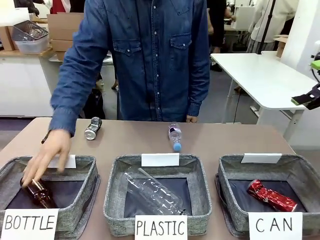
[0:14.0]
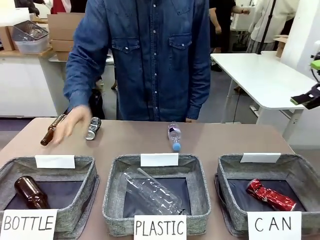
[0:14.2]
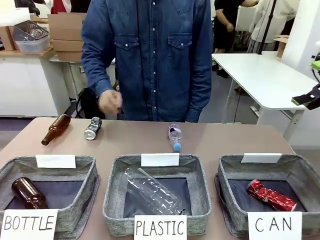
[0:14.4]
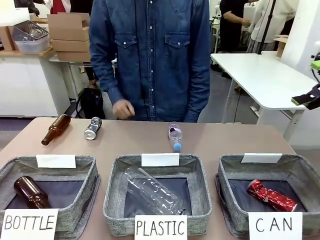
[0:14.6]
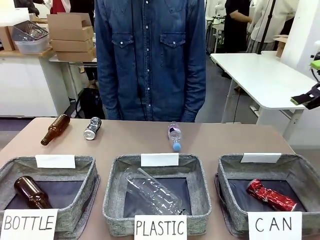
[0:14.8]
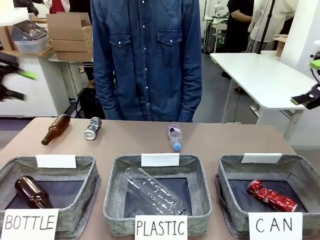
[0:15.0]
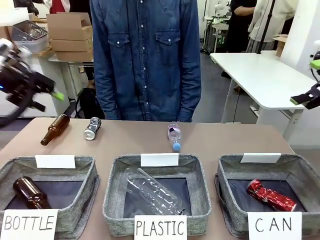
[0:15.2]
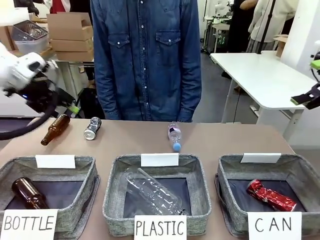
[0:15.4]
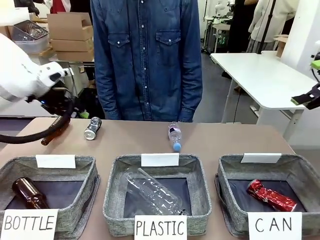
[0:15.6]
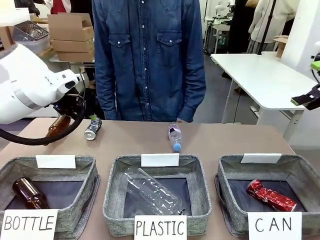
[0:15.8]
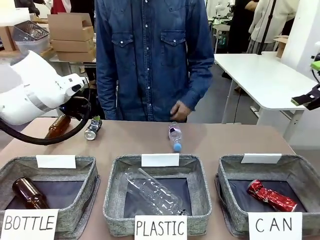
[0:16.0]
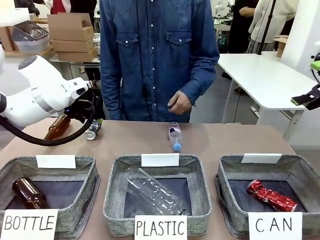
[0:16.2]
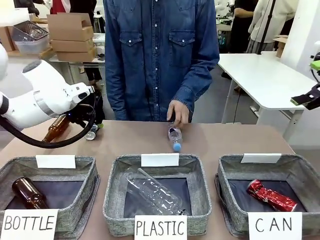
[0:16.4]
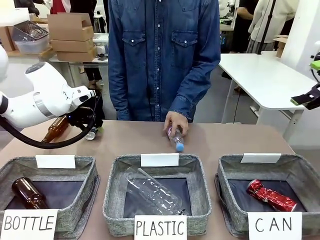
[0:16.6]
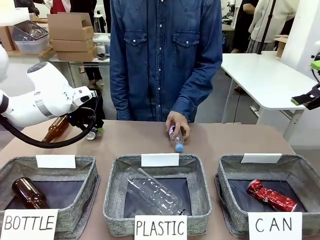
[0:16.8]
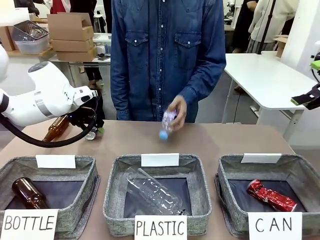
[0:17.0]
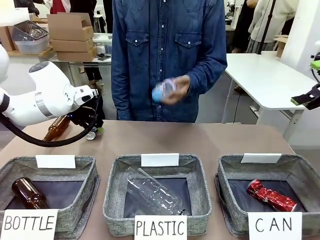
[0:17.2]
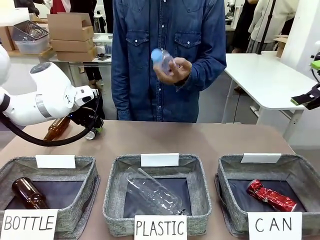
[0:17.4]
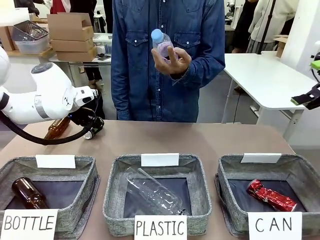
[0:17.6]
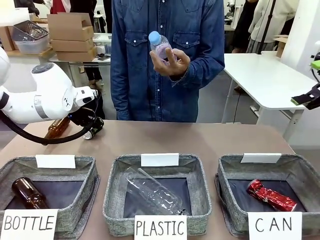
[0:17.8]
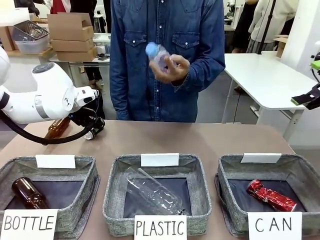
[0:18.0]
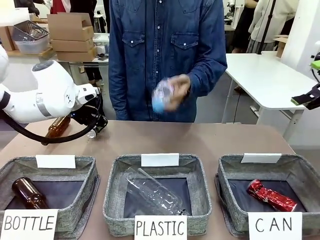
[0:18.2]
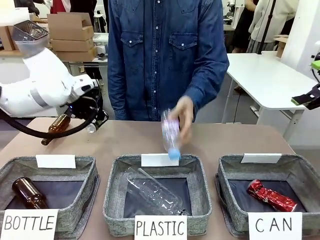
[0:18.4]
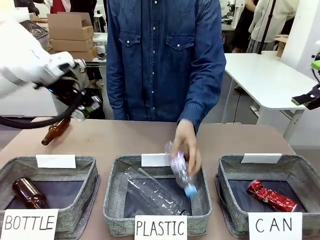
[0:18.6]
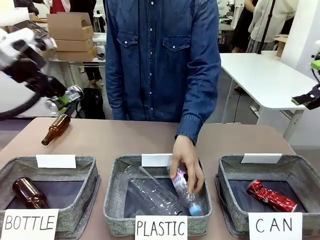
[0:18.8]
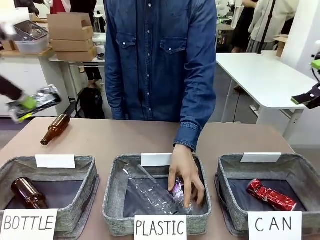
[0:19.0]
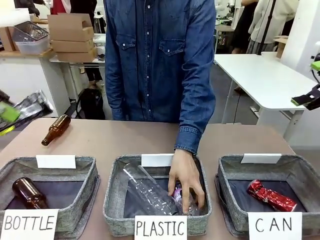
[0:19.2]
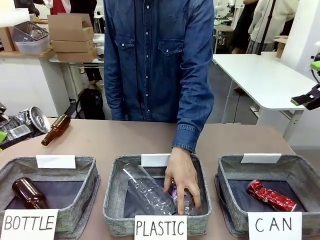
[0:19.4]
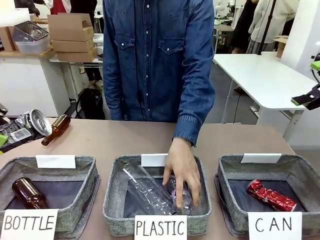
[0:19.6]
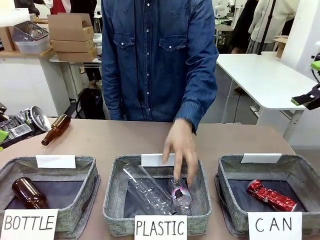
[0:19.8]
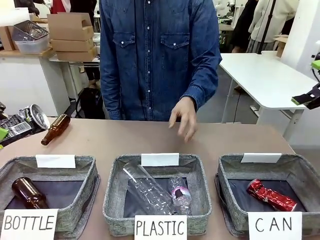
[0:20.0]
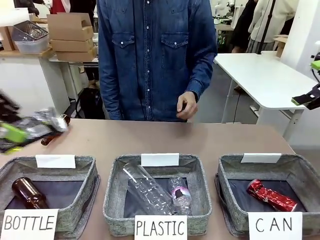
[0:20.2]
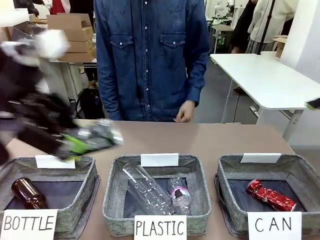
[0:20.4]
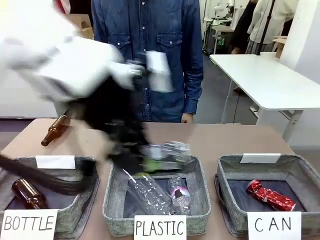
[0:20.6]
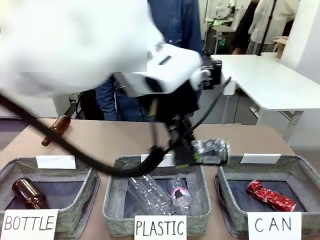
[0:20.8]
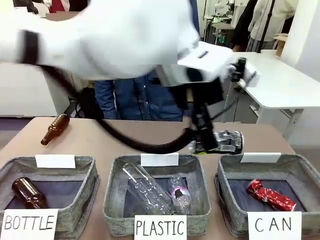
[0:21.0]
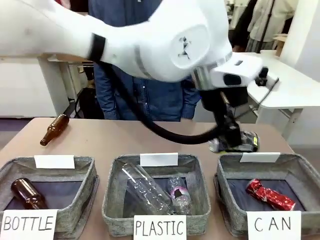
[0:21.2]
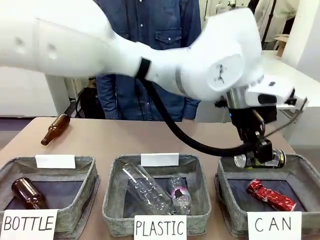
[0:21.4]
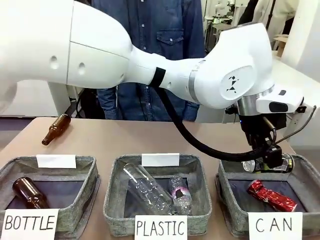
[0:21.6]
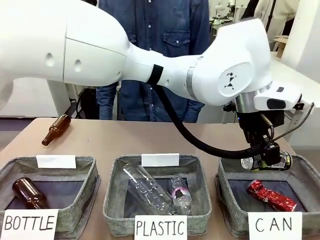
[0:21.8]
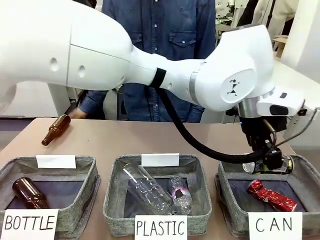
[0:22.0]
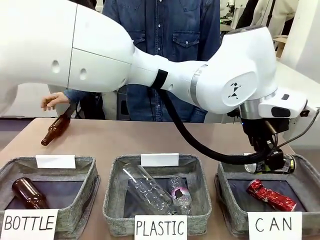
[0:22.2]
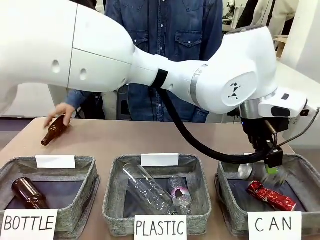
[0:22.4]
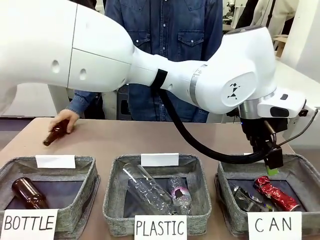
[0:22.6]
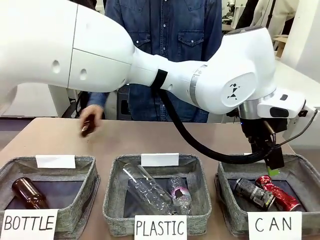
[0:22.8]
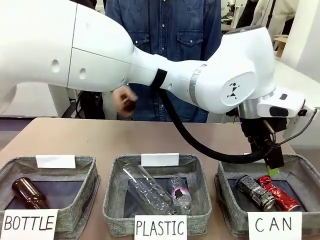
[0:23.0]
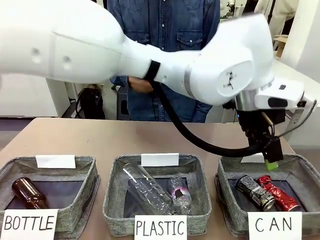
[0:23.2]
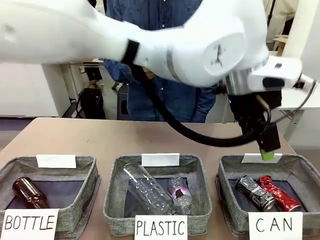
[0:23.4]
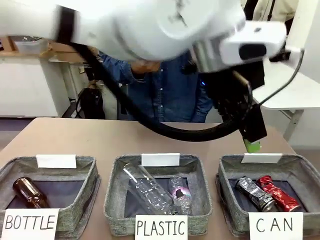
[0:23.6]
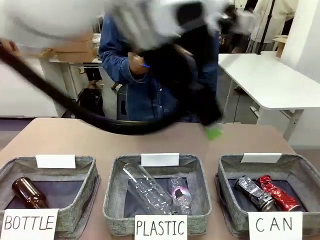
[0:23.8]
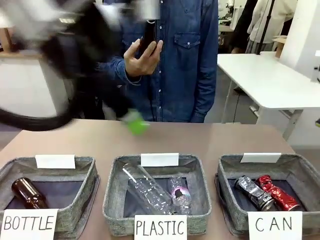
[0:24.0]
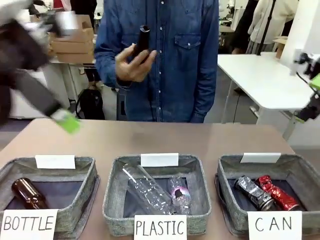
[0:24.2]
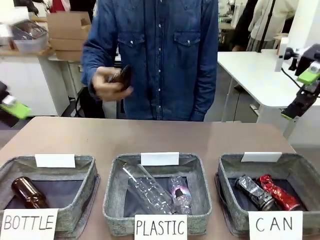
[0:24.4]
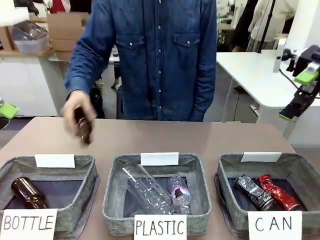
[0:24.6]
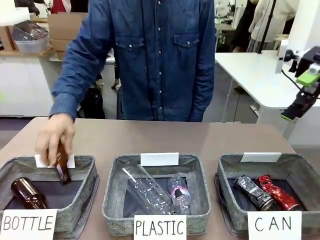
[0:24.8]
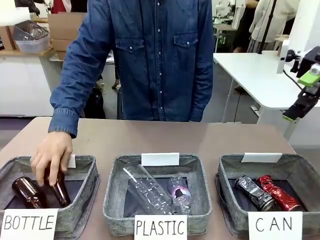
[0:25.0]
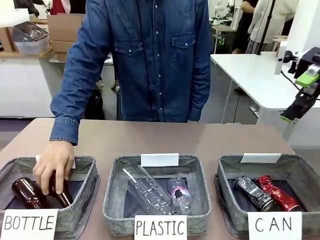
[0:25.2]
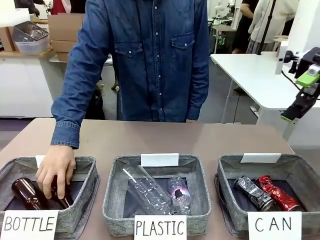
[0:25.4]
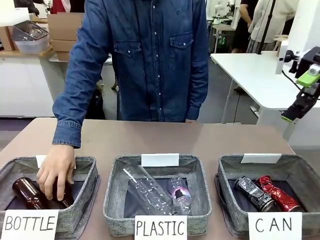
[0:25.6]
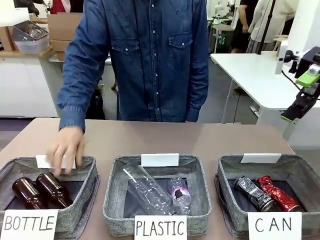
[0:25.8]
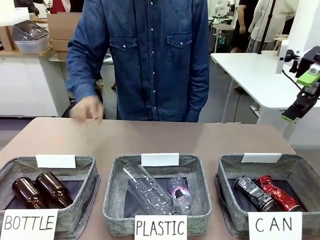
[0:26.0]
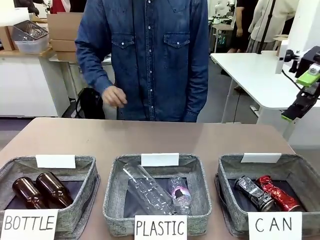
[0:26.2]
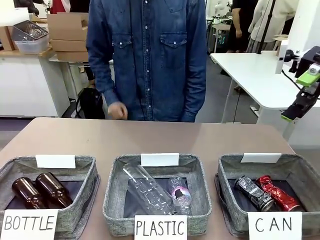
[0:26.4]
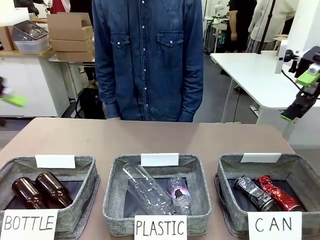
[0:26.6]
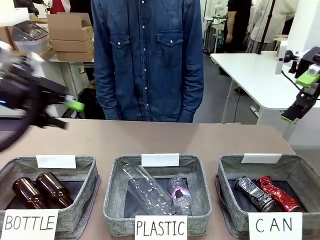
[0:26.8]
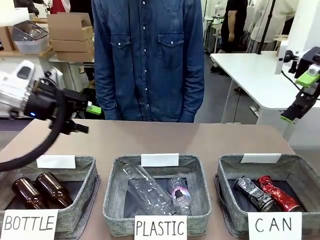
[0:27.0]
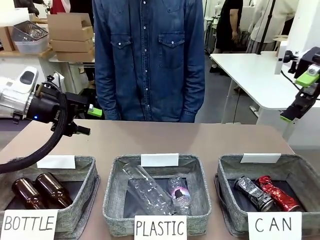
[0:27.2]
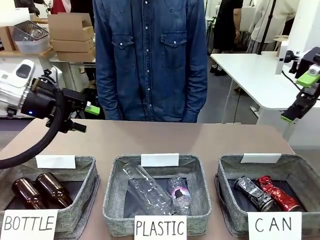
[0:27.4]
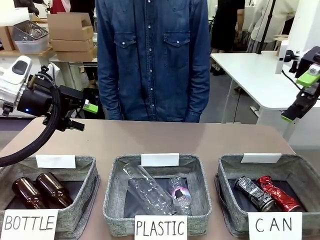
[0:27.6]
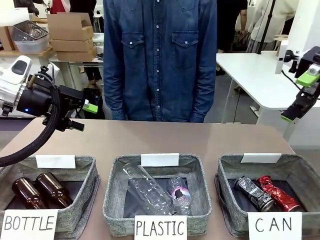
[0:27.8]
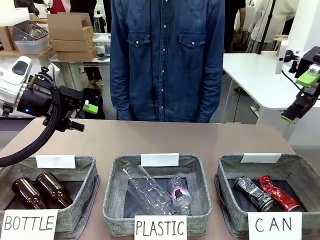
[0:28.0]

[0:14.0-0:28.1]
Task: Sort the can waste into the basket.
Robot: Pick up the can waste from the table and place it in the right Fabric basket.
Person: The human picks up one piece of trash that is not a can and places the trash into the appropriate organizing basket.

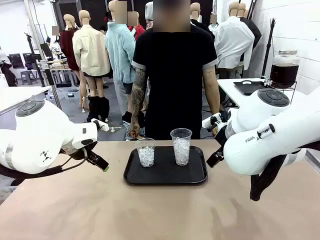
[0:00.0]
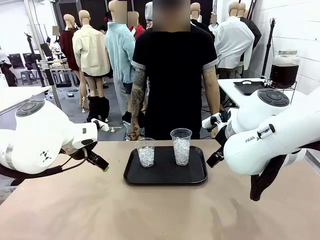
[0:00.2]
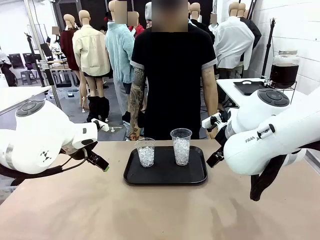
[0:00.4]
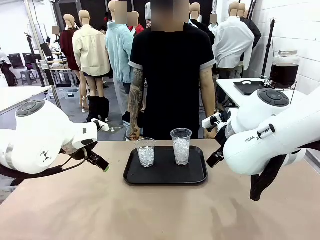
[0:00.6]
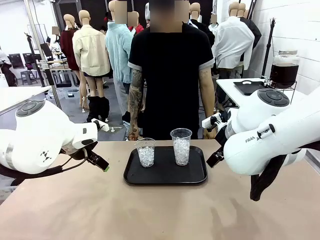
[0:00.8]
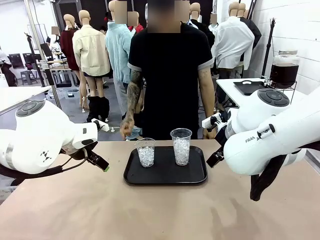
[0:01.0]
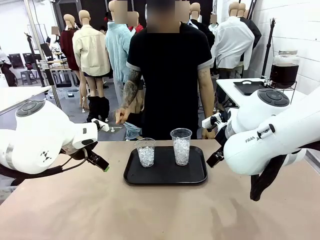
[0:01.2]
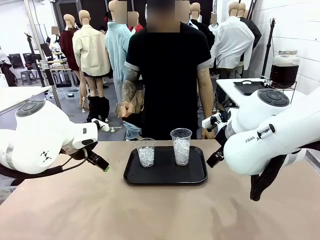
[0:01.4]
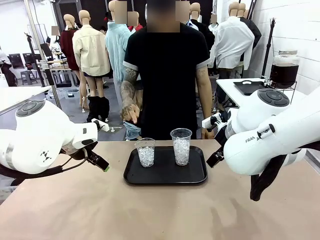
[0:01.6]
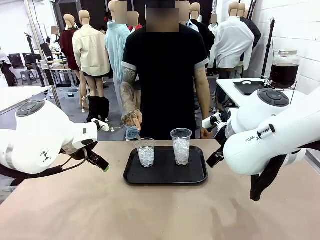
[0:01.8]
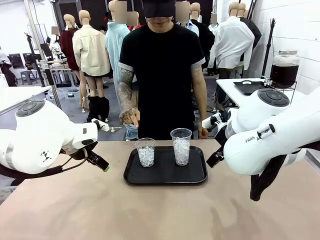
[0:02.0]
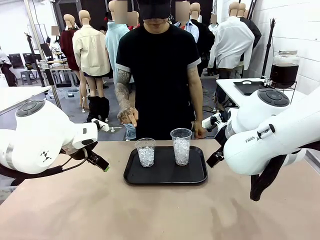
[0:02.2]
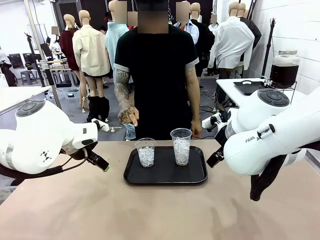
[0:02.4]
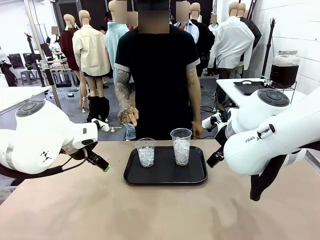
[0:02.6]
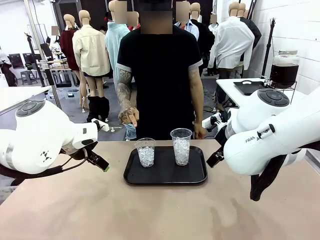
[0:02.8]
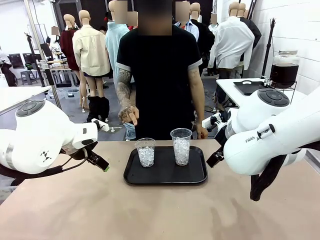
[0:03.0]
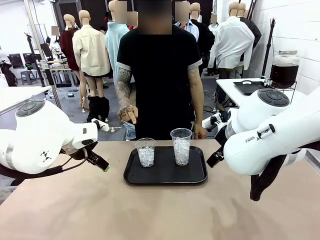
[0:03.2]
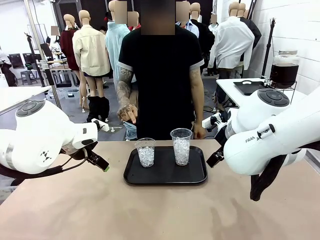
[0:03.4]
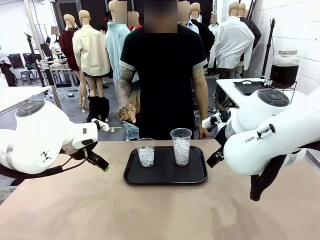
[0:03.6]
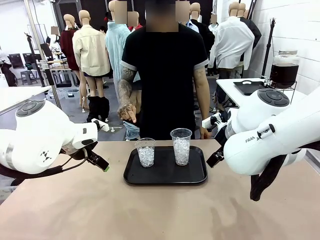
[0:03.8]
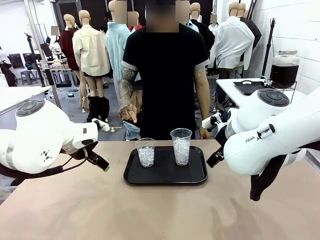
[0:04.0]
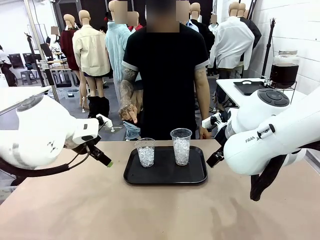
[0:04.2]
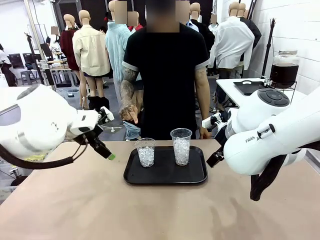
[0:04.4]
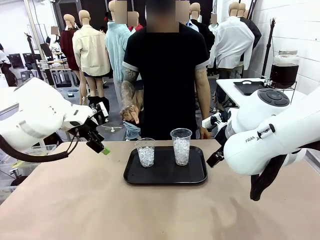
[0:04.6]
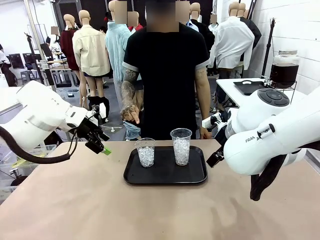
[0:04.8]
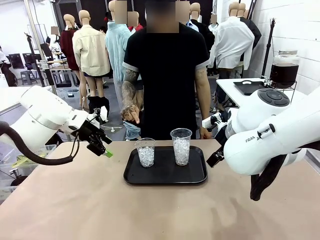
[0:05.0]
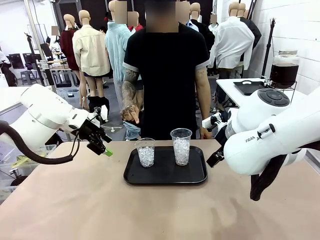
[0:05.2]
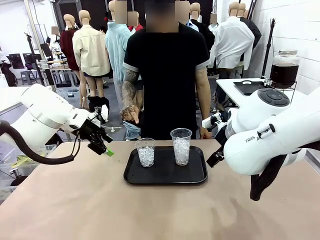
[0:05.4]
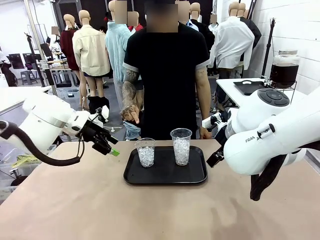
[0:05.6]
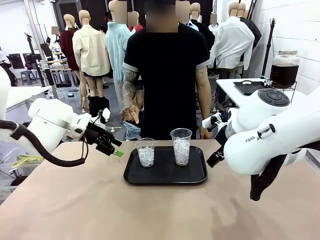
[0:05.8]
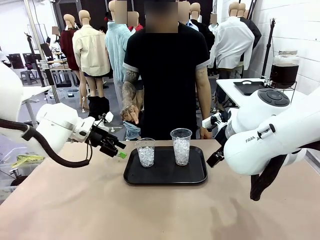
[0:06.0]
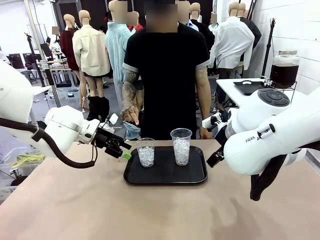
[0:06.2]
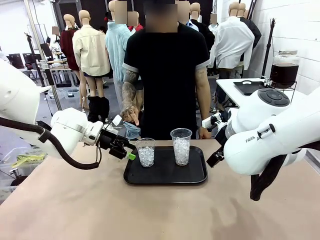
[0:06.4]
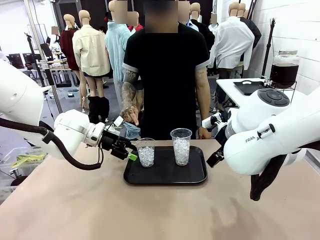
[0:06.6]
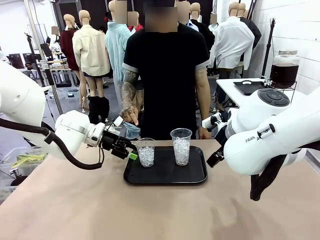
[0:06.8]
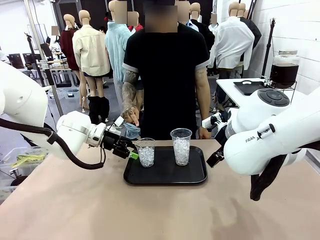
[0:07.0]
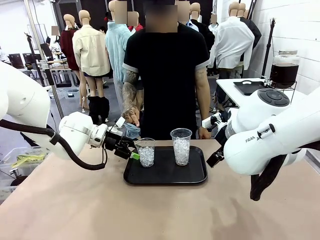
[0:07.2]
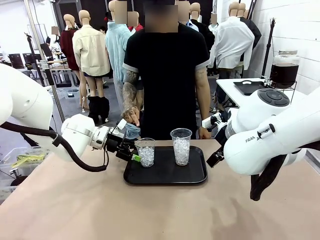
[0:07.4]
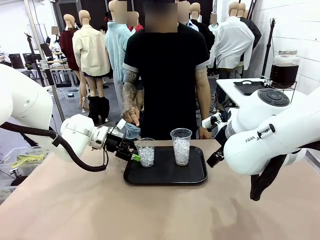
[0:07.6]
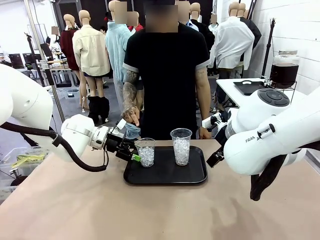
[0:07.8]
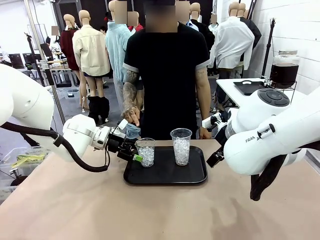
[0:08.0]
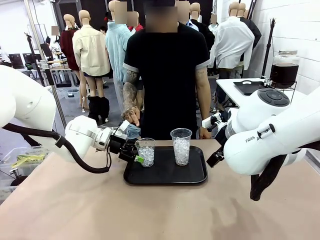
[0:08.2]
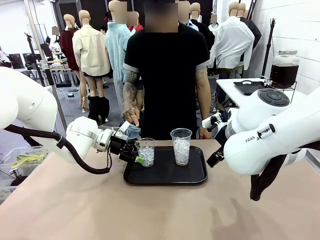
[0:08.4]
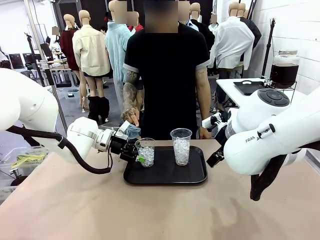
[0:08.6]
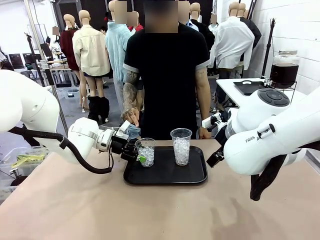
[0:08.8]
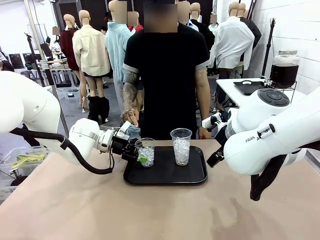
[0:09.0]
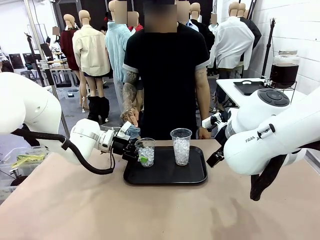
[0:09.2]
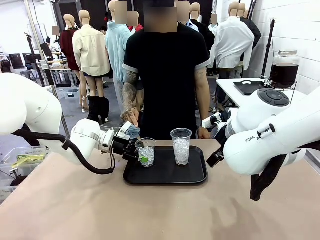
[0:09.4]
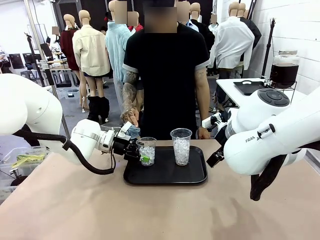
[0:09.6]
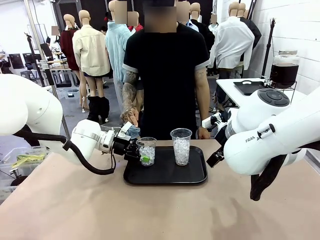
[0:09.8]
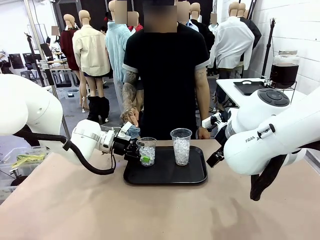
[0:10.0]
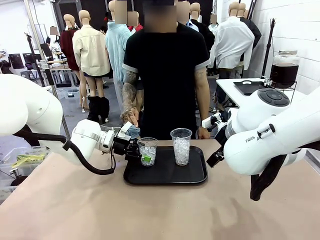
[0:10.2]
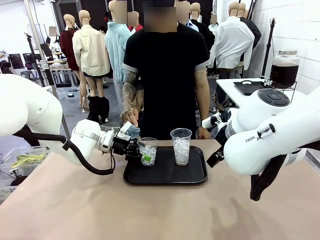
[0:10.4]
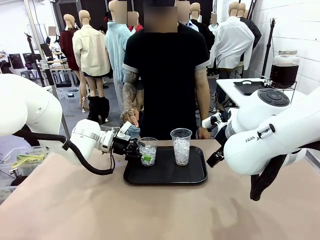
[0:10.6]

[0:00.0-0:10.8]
Task: Pour the drink into the iced cup.
Robot: Pick up the iced cup indicated by the human and present it to them.
Person: Point to one of the two ice cups. Pick up the cup offered by the robot.
